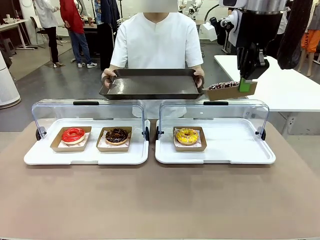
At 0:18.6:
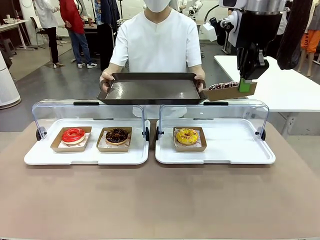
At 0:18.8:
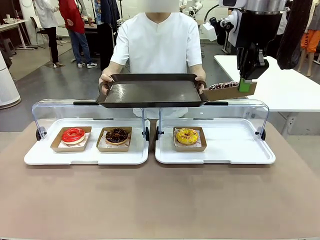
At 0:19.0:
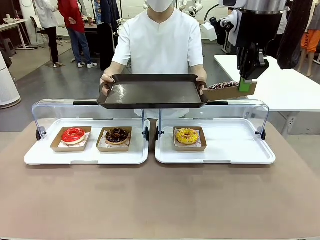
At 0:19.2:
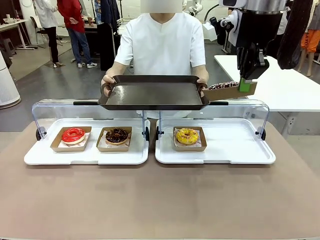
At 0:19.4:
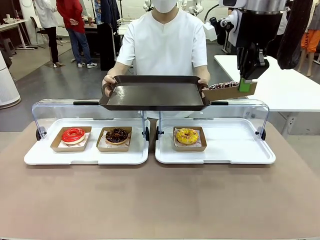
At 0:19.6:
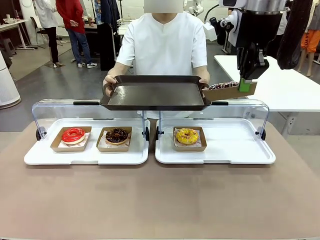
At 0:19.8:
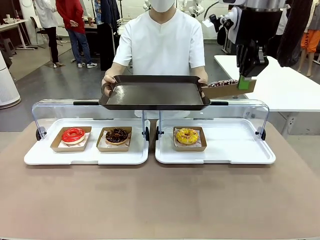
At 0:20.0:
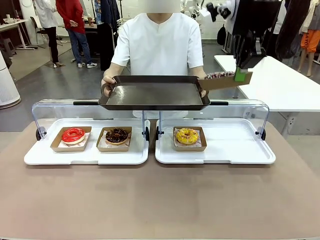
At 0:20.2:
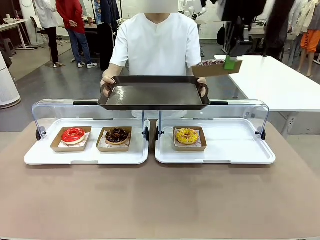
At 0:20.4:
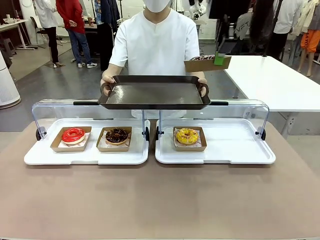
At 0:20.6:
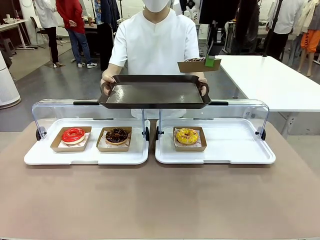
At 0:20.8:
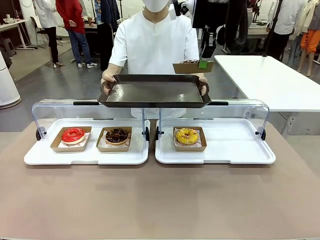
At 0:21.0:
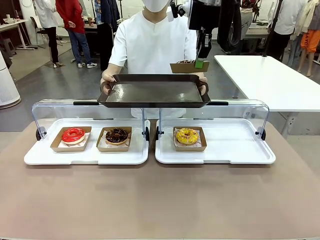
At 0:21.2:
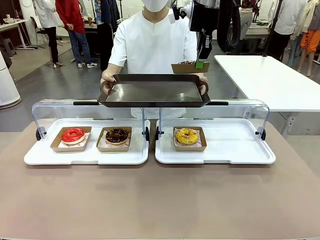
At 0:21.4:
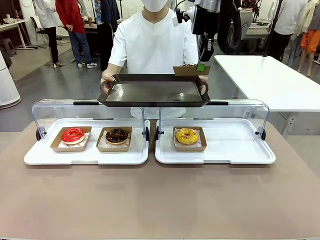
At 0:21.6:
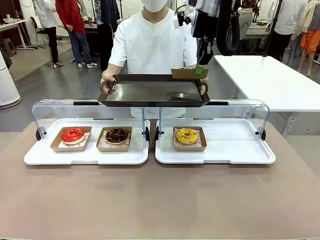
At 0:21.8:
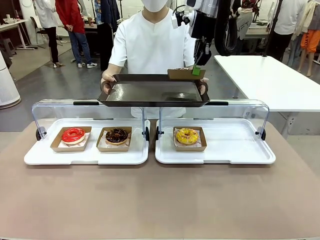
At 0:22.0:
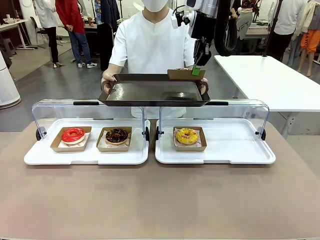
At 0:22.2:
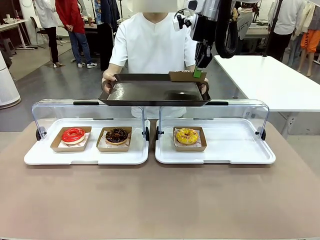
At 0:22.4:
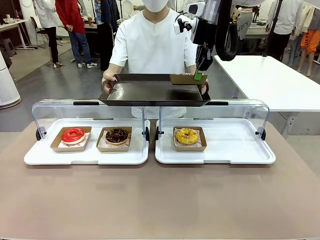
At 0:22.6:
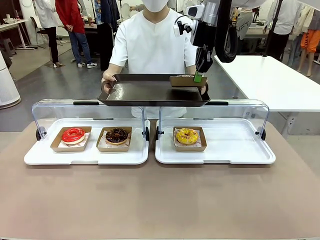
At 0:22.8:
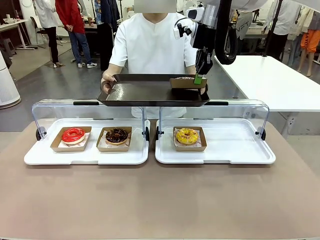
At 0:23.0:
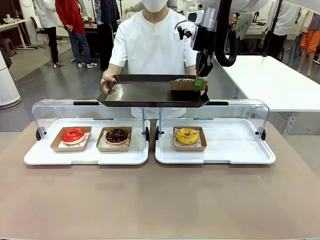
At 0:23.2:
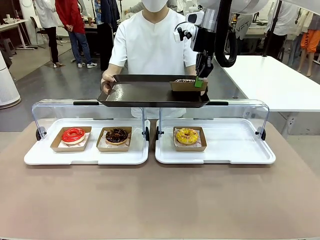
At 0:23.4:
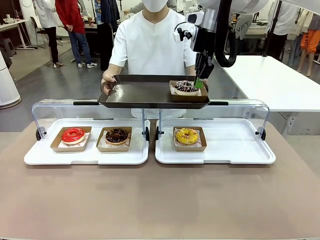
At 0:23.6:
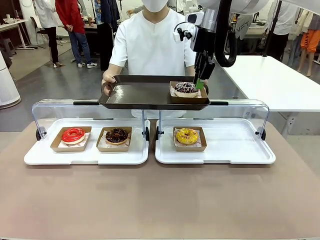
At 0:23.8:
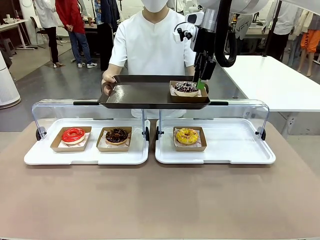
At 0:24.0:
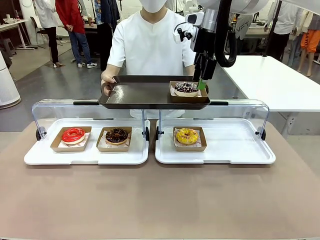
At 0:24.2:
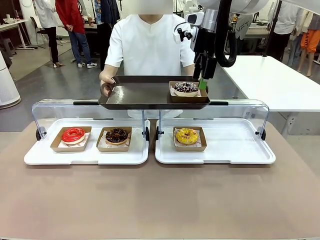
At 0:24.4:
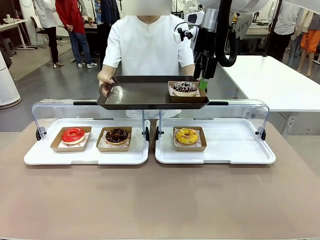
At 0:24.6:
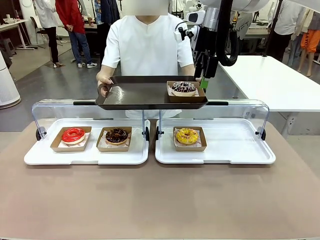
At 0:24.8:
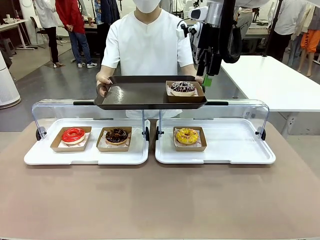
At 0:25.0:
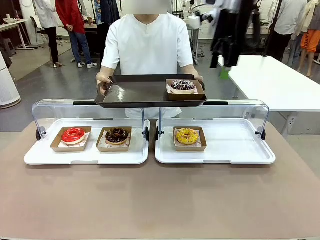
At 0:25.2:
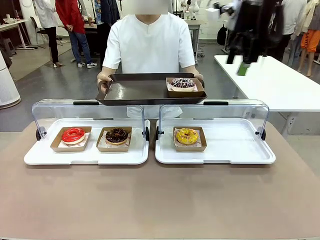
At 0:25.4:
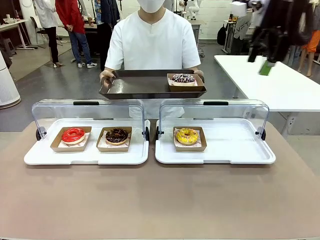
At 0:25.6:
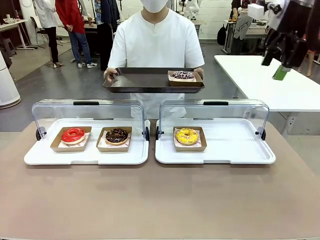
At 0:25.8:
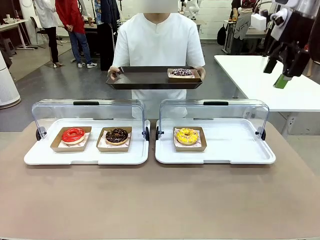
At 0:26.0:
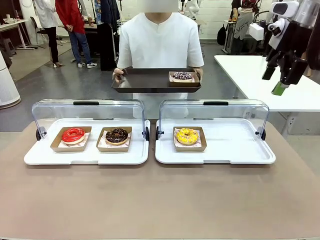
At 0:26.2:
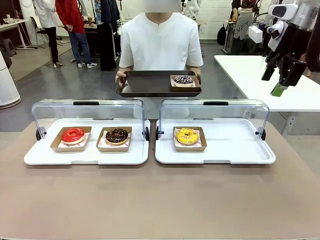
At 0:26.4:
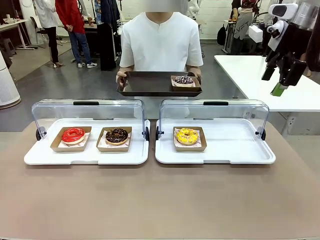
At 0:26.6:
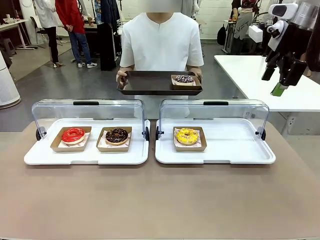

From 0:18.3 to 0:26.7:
Task: Provide the desired donut to the person.
Robot: Place the picked Paper togo box onto the Handle tray extended by the person.

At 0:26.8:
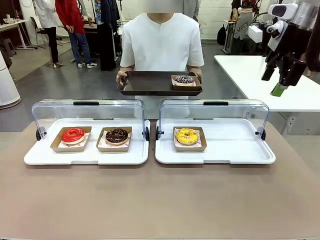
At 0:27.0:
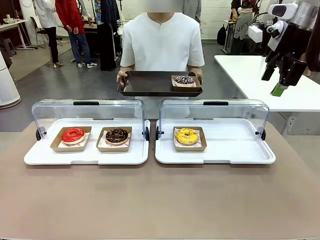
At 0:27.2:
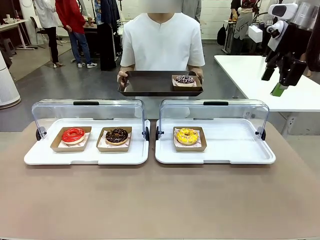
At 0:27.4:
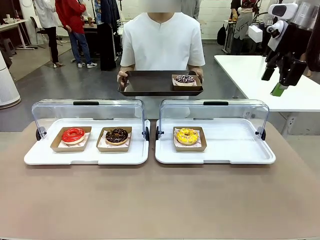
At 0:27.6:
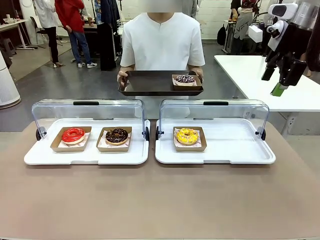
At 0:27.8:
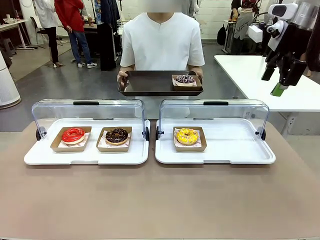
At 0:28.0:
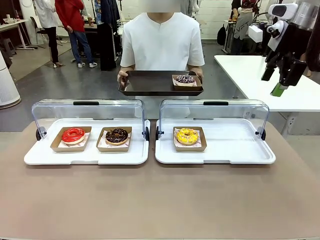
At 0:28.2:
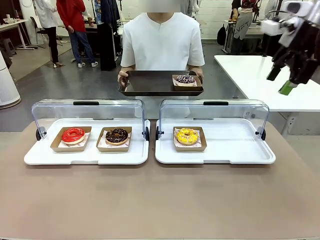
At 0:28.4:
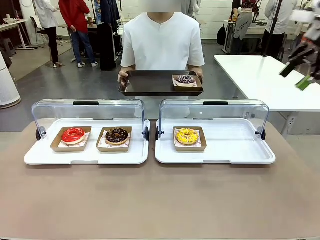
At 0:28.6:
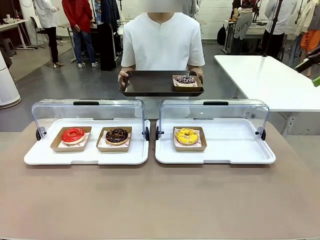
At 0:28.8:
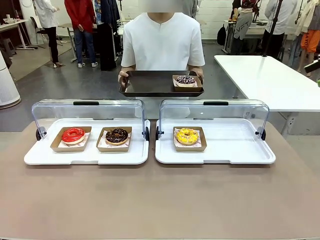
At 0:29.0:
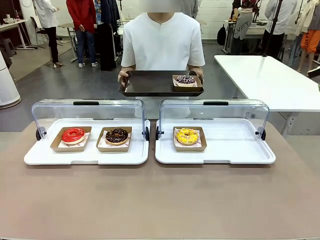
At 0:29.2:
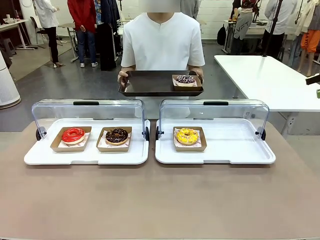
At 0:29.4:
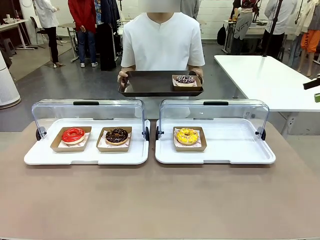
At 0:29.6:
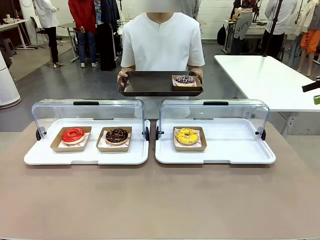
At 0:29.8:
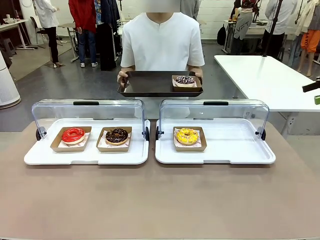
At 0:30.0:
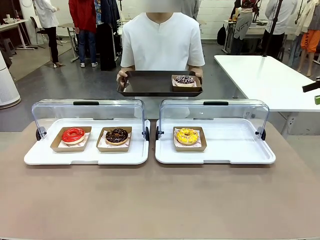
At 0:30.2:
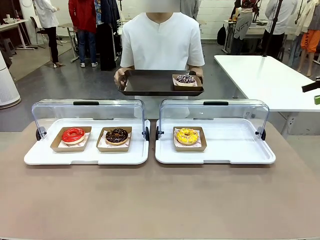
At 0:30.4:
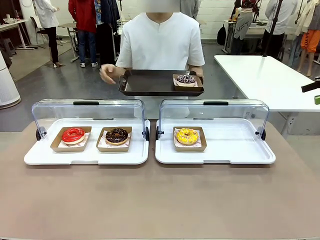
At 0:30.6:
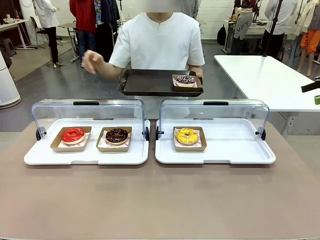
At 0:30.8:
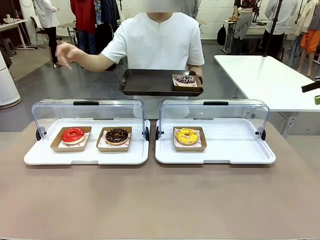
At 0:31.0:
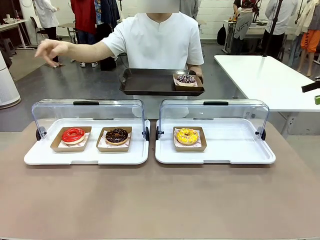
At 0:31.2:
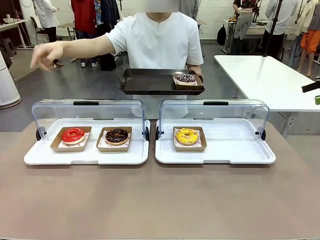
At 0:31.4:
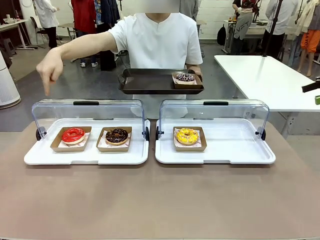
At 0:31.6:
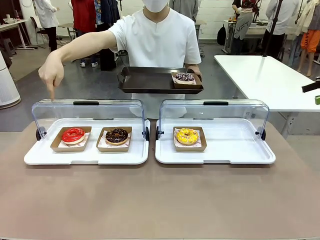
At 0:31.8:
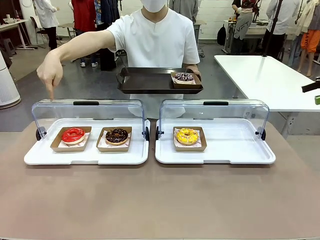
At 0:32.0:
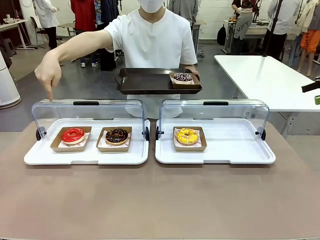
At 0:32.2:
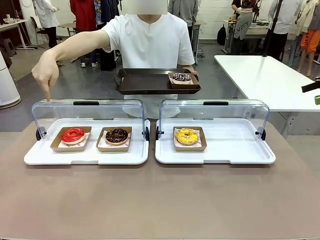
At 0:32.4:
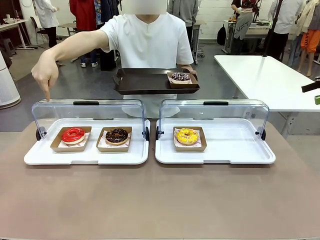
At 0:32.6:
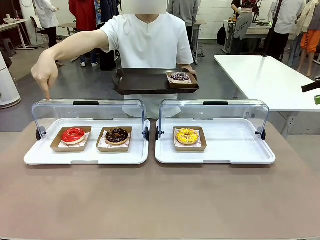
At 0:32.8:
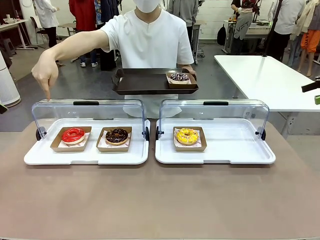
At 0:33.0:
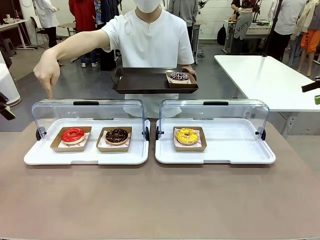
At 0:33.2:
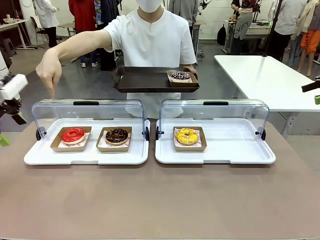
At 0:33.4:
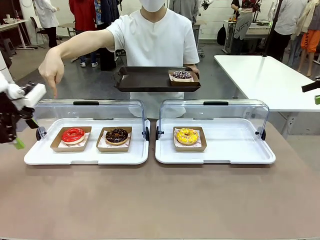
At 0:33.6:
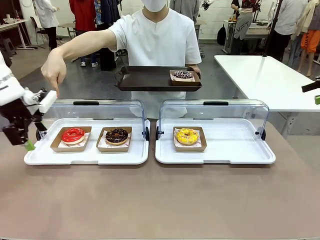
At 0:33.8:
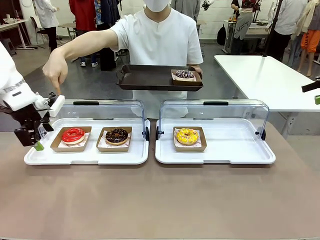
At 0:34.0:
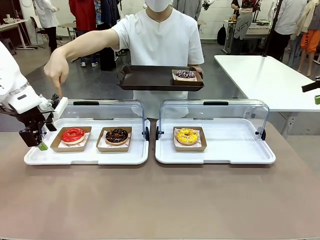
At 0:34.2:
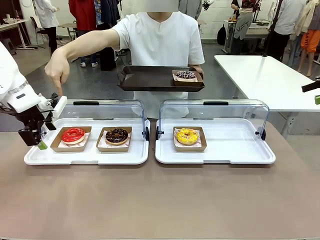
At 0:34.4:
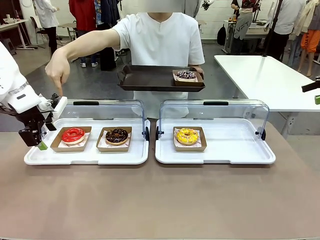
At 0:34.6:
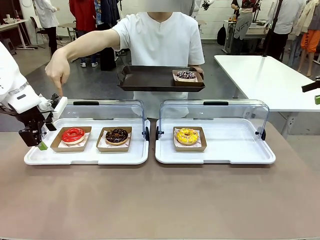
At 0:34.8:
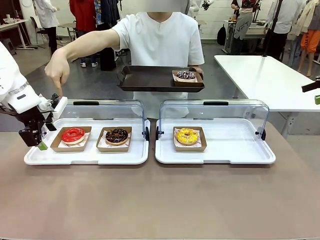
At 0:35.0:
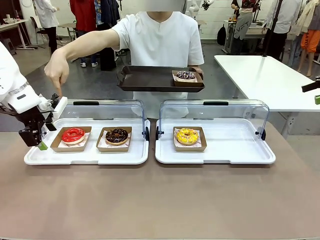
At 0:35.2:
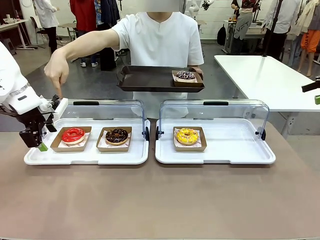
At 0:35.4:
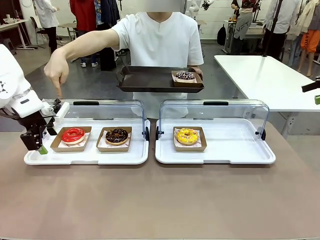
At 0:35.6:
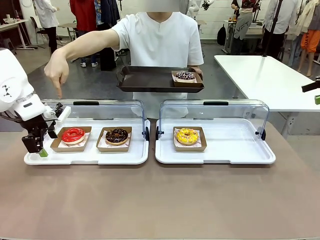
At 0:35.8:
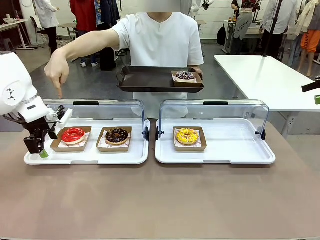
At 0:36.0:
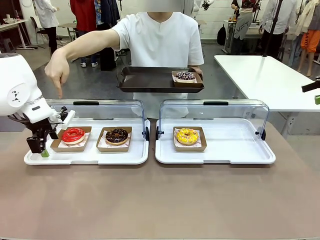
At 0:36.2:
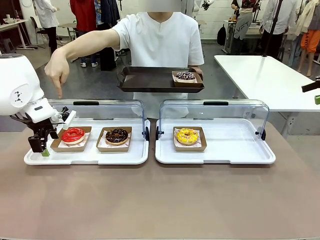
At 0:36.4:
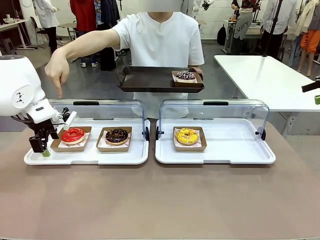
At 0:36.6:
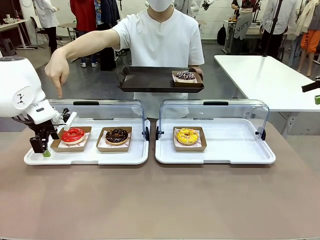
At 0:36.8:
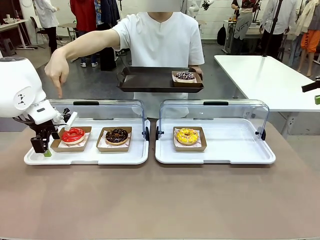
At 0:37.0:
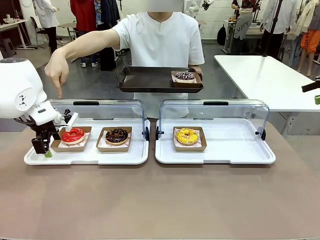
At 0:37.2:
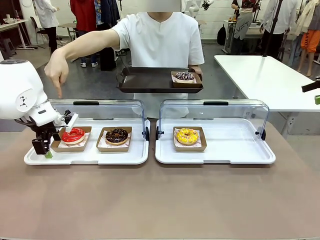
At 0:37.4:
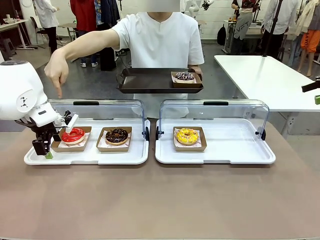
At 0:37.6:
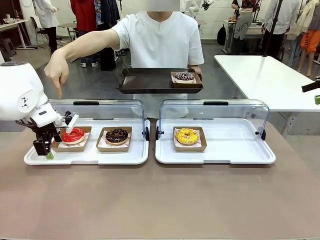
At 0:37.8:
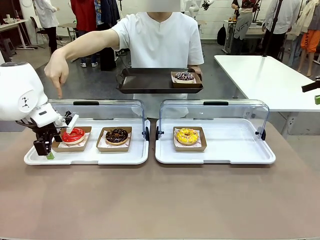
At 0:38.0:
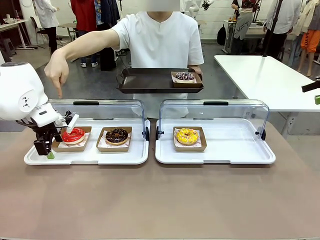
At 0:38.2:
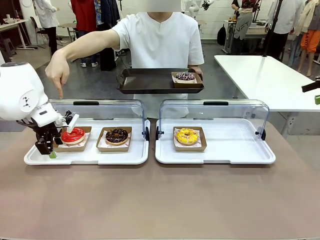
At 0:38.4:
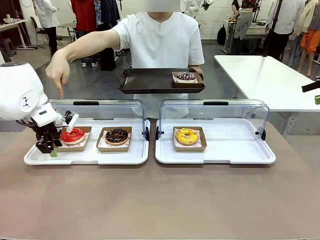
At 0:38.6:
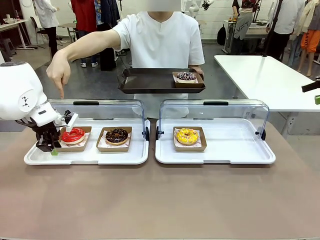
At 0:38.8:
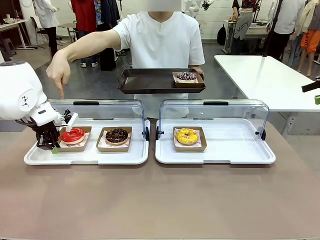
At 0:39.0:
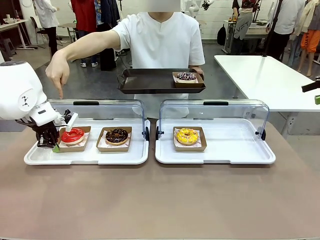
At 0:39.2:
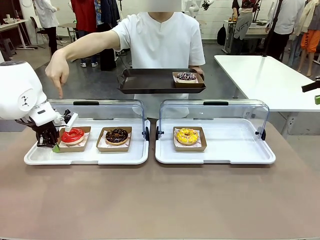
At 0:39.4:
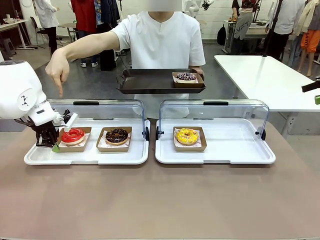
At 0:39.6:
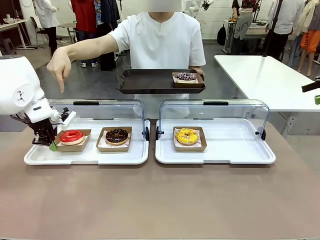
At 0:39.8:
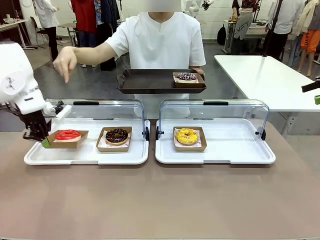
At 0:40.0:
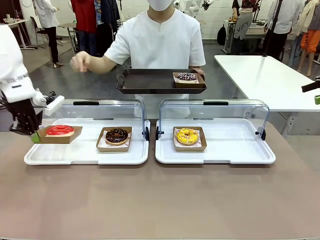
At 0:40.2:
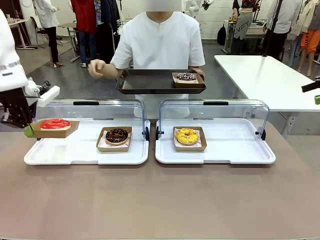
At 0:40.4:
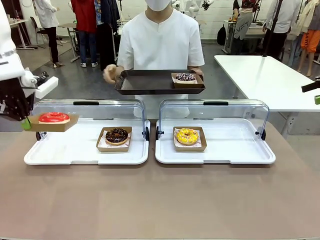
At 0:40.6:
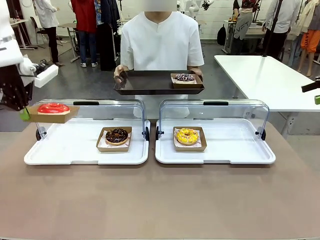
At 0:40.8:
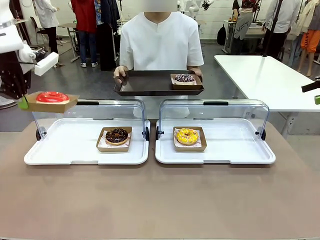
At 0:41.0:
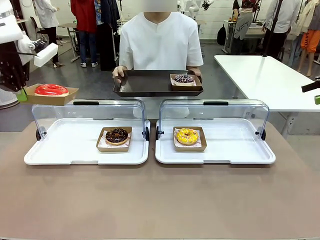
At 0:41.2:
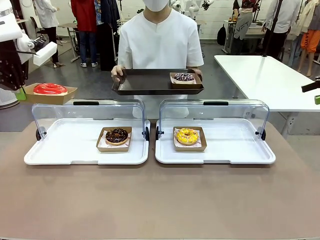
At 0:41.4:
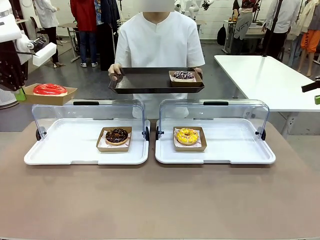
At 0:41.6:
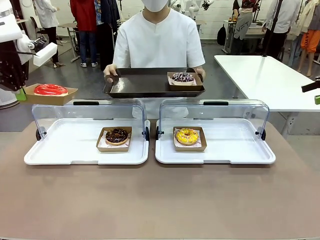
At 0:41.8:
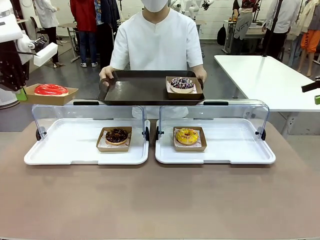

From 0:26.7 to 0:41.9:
Robot: Pick up and lift the Paper togo box containing the Donut pointed at by the person.
Person: Point to one donut. Lift the tray onto the Roll-Top Bakery Case.
